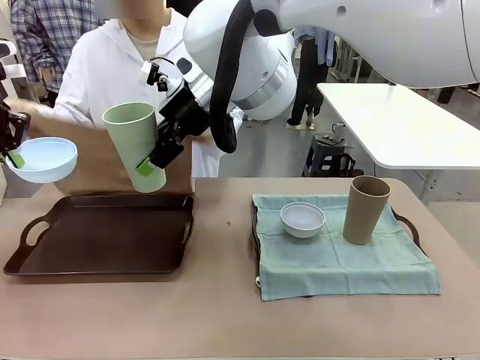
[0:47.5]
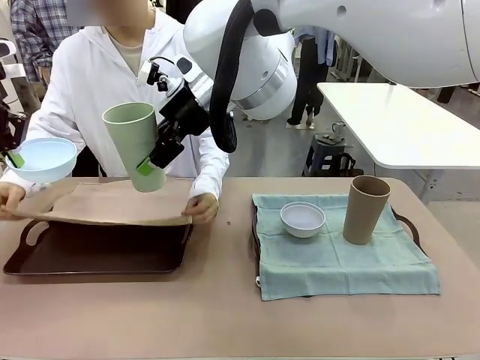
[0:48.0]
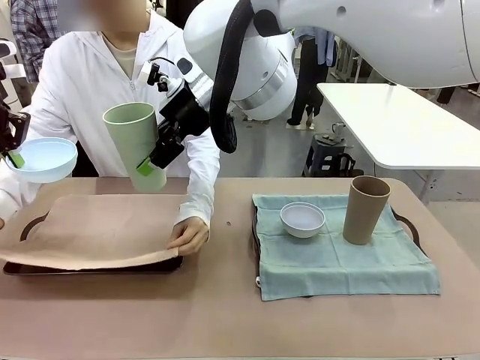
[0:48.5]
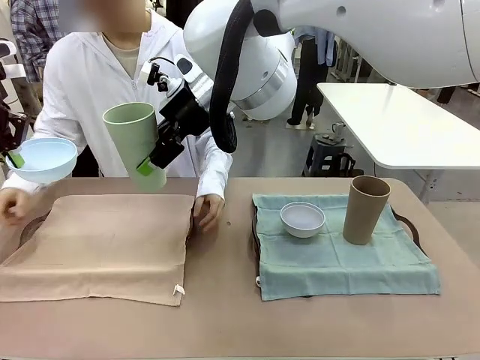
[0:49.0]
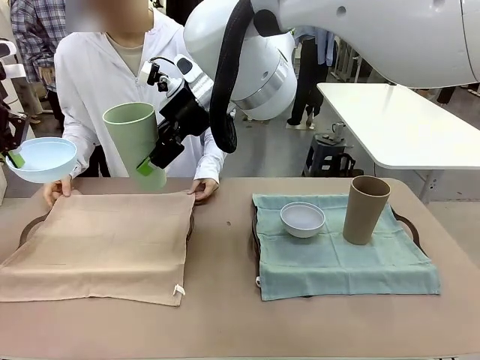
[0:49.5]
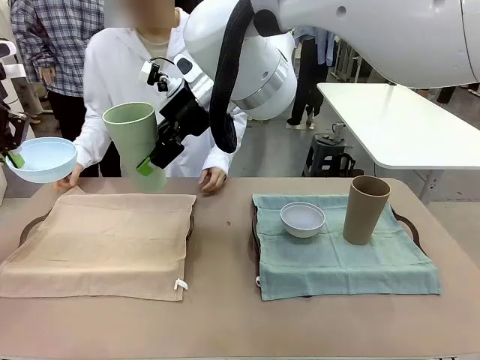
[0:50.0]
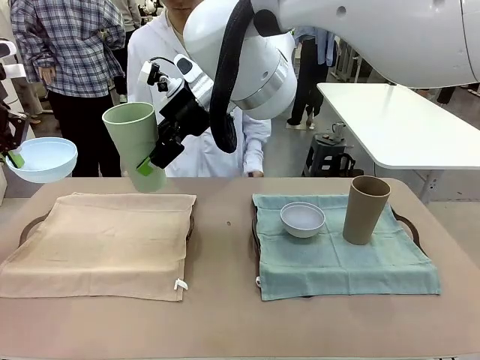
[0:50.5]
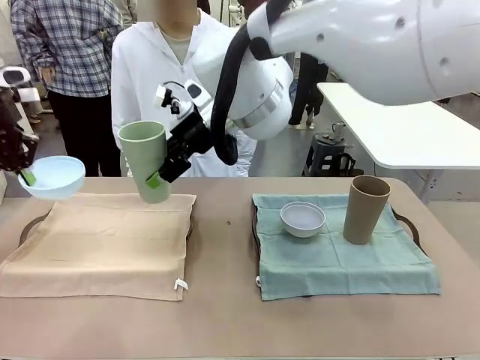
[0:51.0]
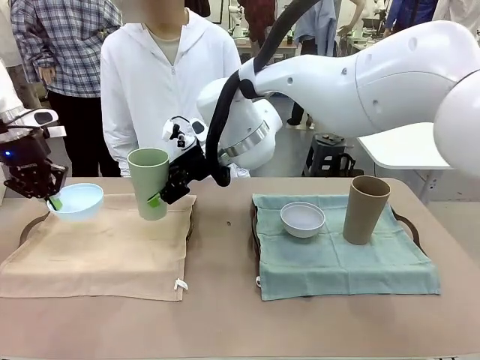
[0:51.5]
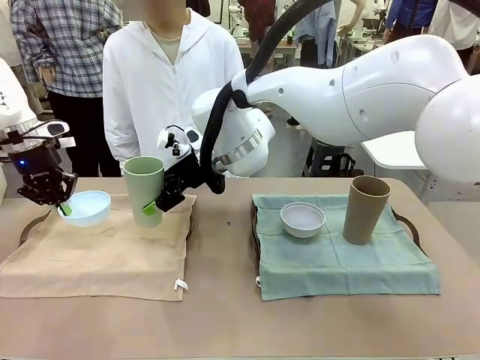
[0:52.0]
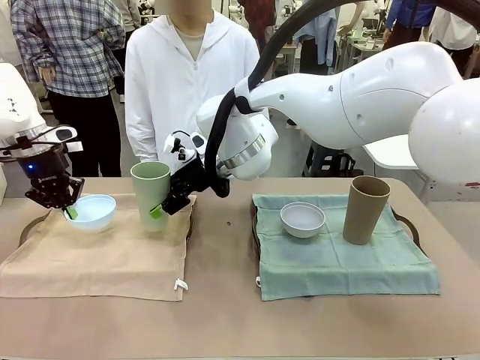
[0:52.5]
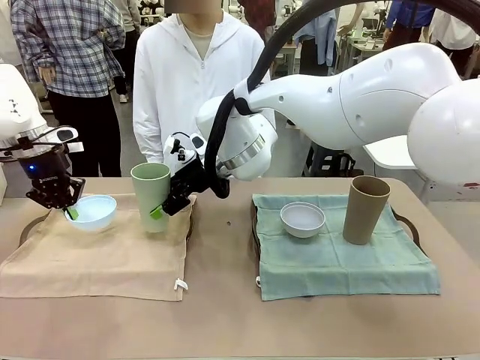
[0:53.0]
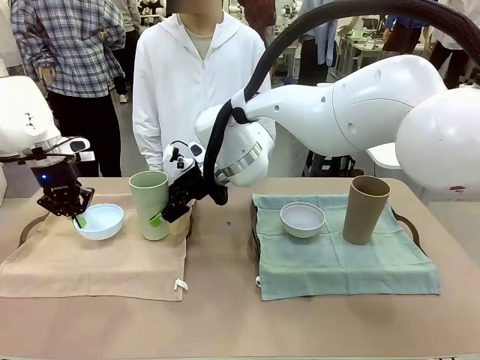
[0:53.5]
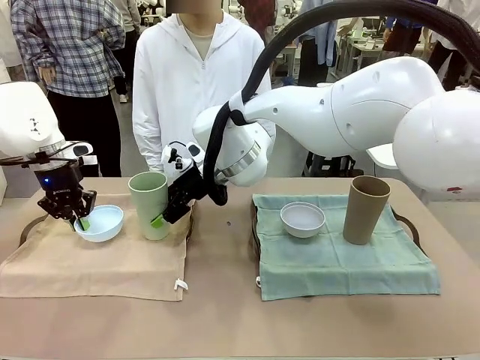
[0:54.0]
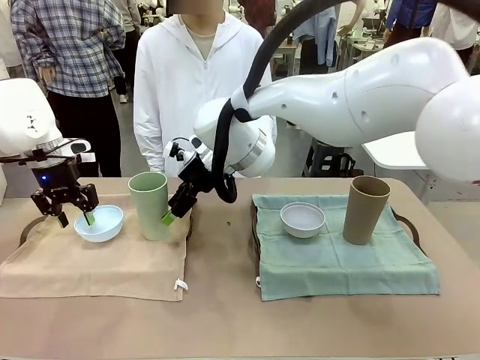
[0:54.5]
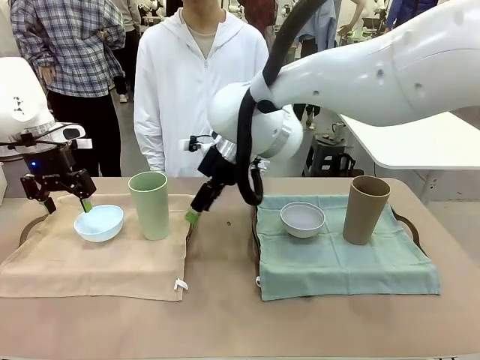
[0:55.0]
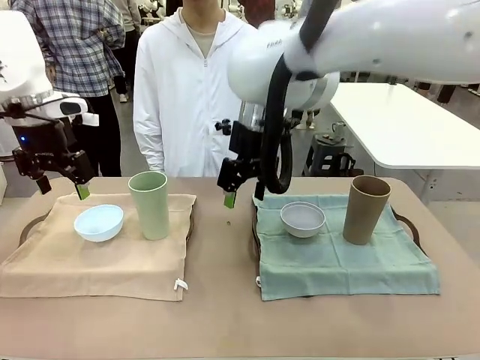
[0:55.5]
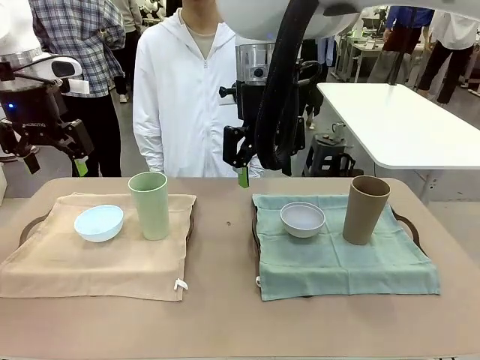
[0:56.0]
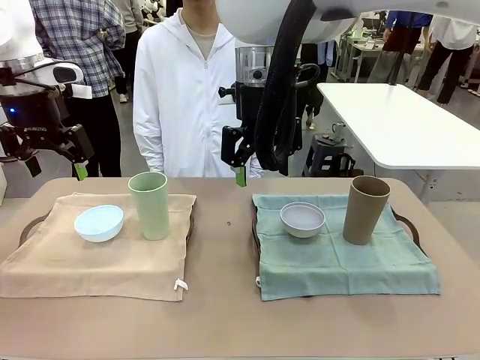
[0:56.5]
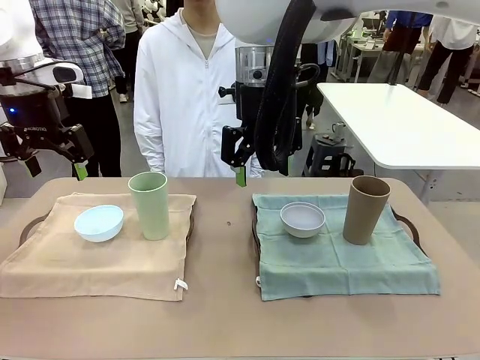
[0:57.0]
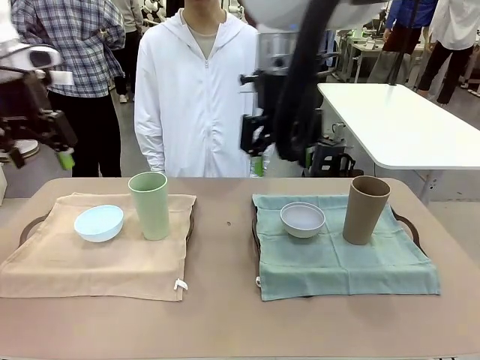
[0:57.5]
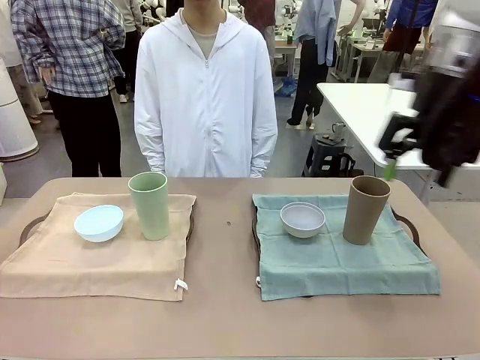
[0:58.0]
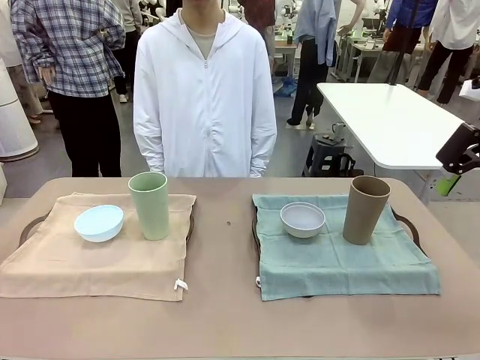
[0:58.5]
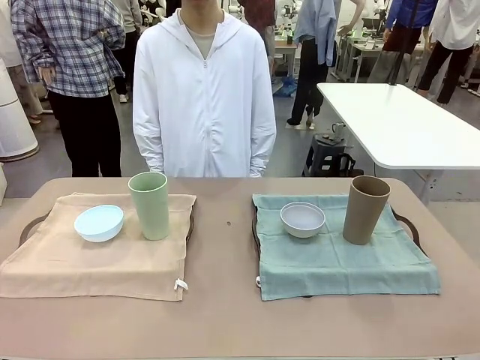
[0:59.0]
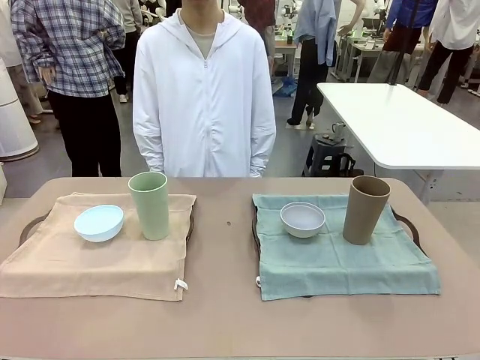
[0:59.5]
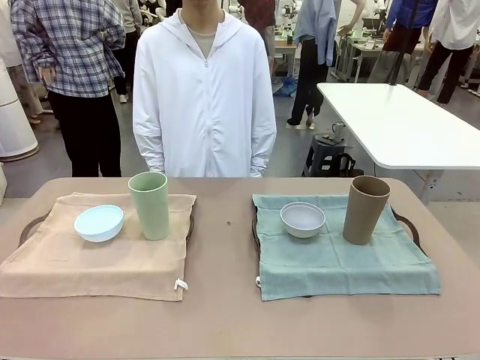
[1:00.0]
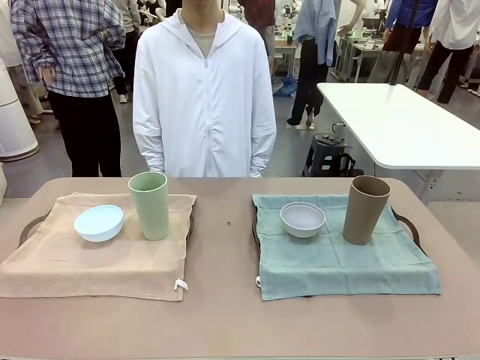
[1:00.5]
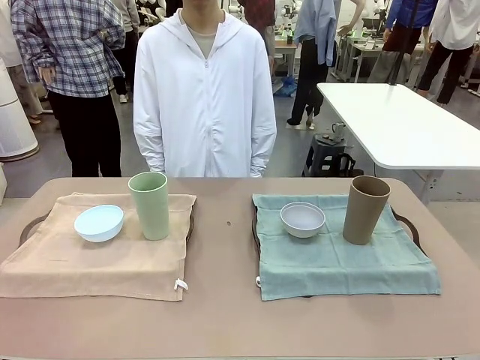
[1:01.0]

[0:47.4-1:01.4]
Robot: Place the Picnic Bowl and Reusable plastic cup back onto the Handle tray in front of the human's position.
Person: When the robot lifts the bowl and the cup, the human unfolds the napkin and lays the napkin flat on the tray.

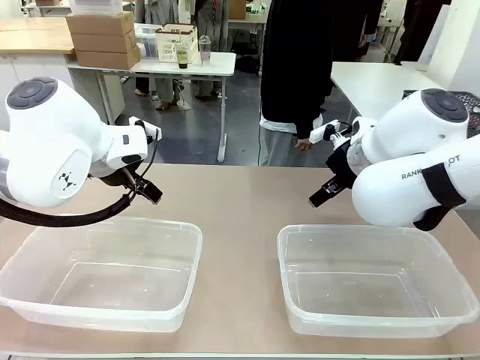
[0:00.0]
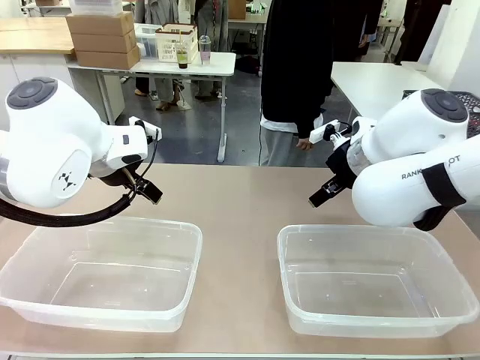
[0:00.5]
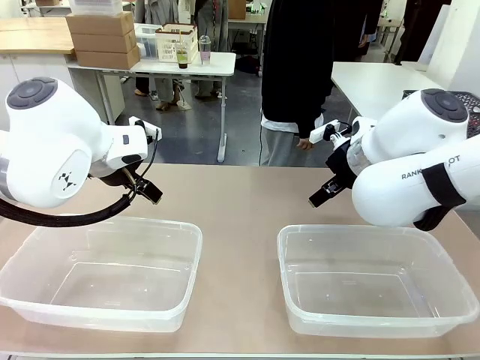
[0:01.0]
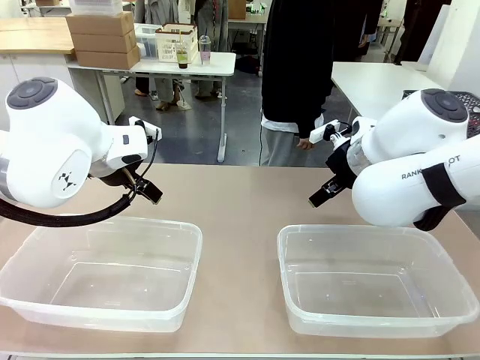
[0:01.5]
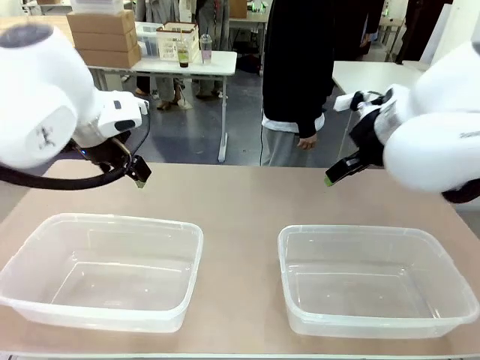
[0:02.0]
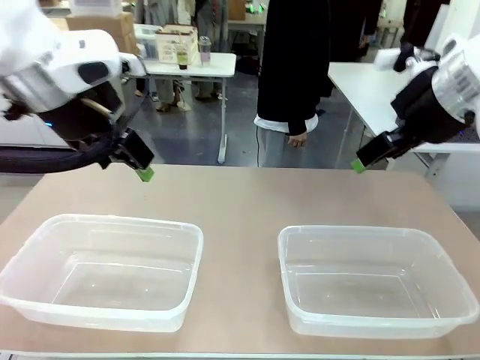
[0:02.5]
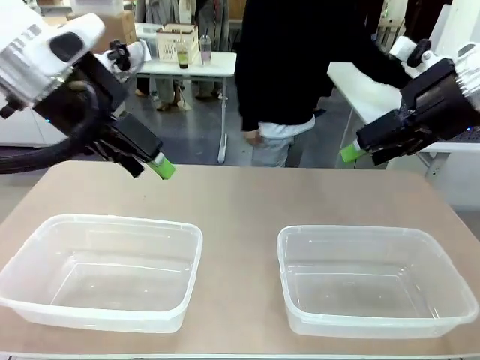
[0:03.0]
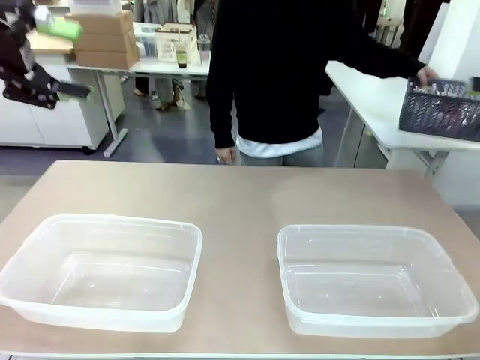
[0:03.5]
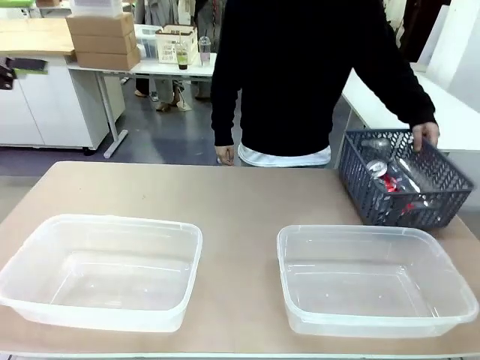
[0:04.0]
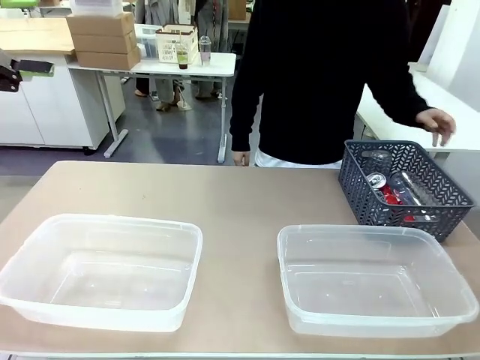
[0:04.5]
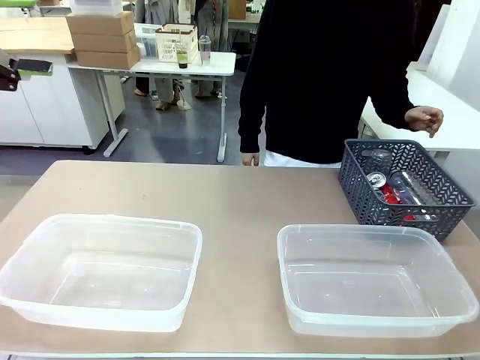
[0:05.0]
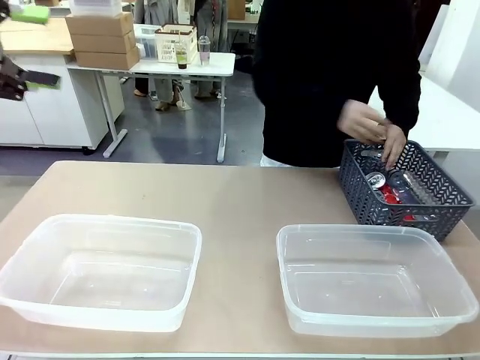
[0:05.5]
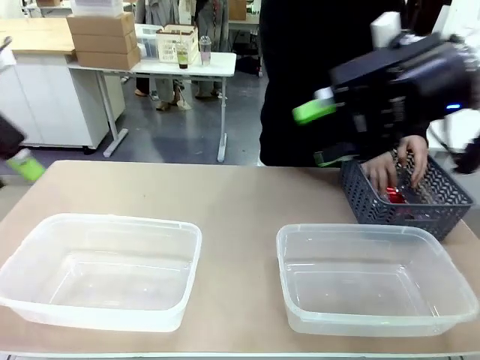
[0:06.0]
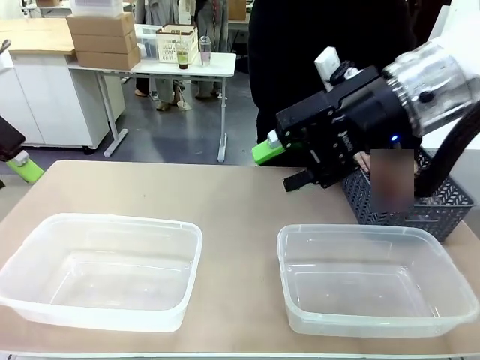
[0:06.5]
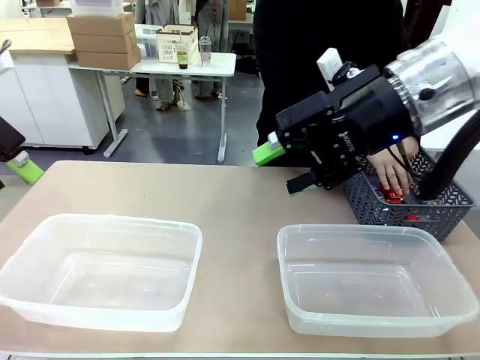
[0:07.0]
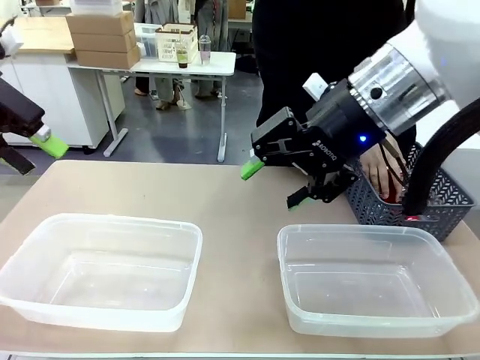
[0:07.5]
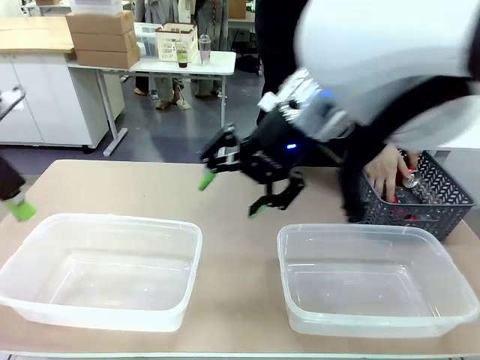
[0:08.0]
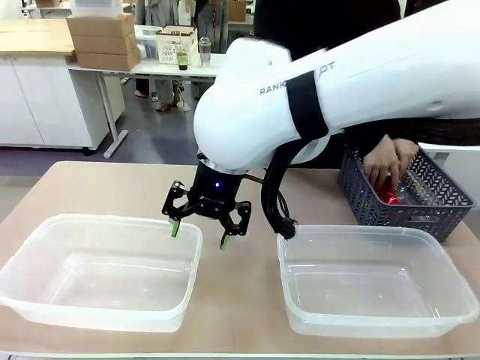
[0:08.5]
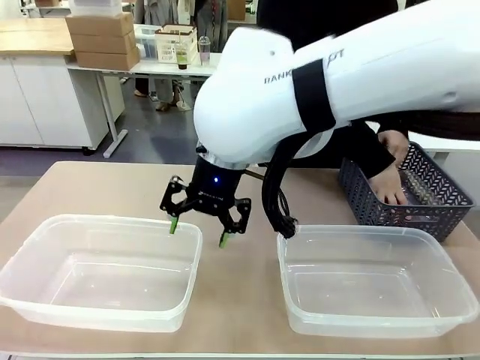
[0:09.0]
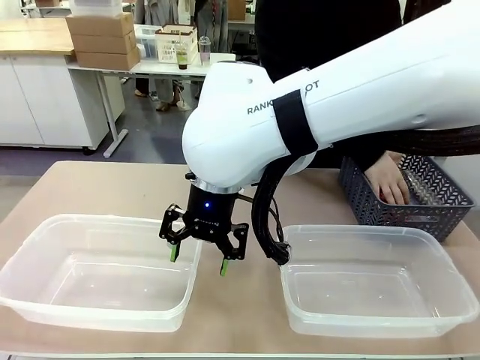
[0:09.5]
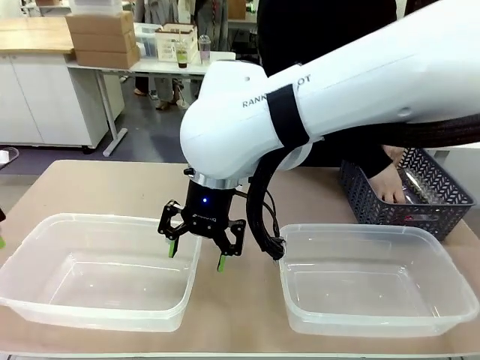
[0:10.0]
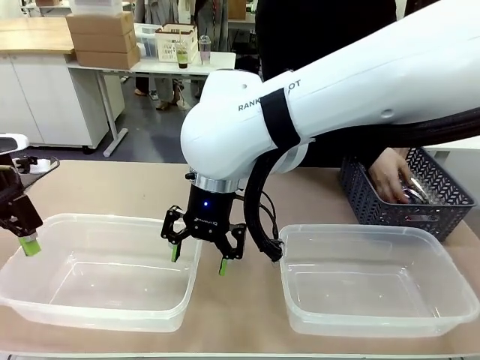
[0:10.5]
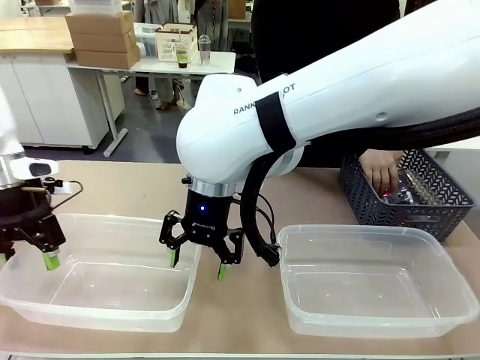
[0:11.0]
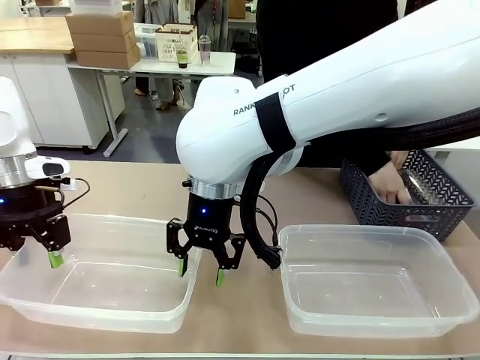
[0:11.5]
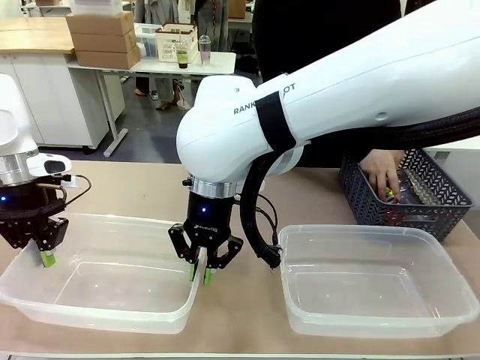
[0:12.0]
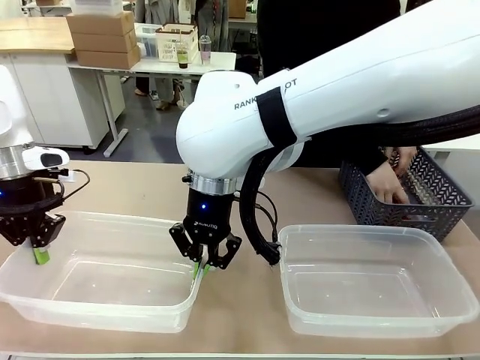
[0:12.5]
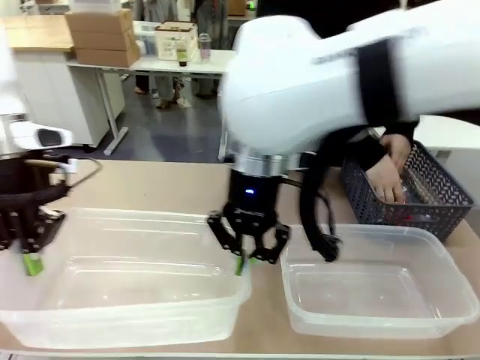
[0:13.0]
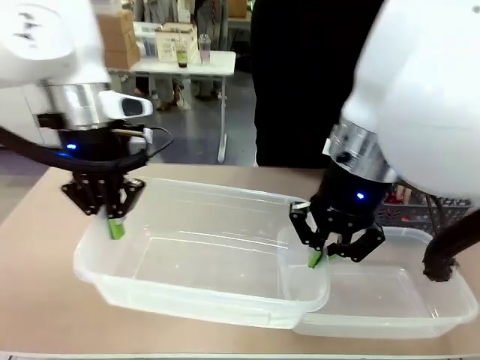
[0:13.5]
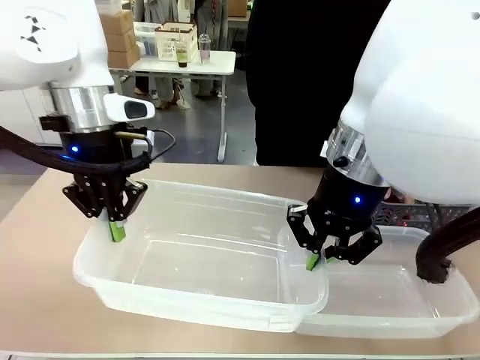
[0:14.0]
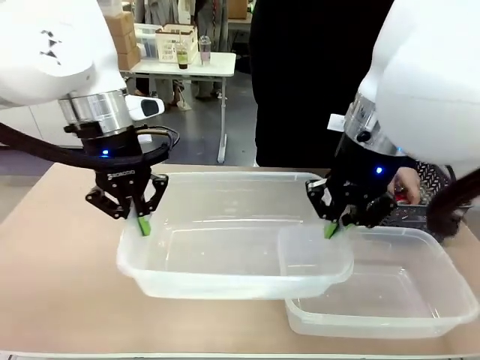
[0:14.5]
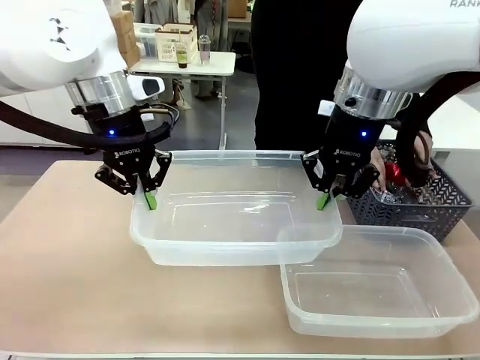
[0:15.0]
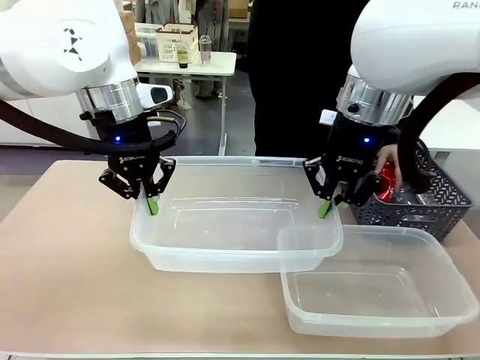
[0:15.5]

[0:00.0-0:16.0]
Robot: Pick up the Organizing box on the left side of the table and lift it.
Person: Pick up the storage basket and place it on the left side of the robot table. Pick up can-shaped waste one by one and place it into the organizing box lifted by the robot.
